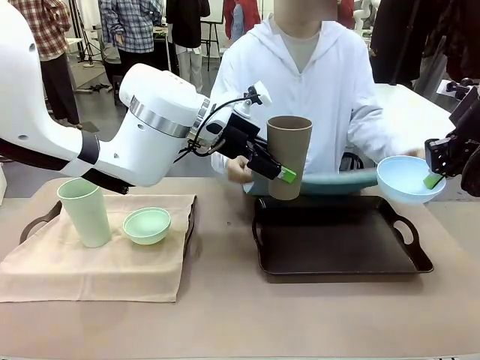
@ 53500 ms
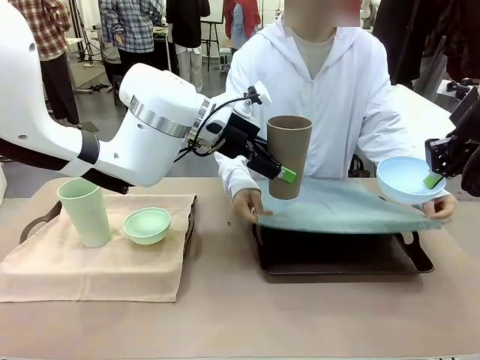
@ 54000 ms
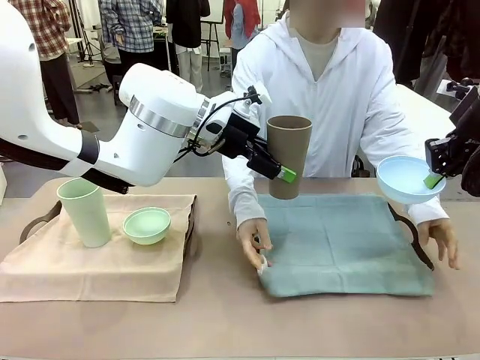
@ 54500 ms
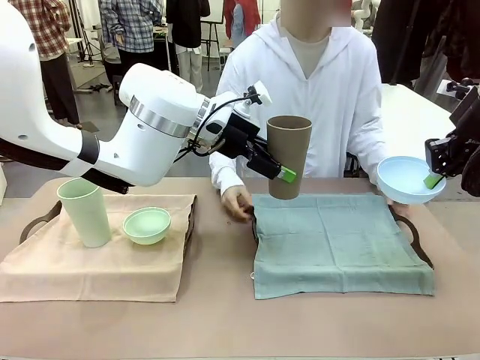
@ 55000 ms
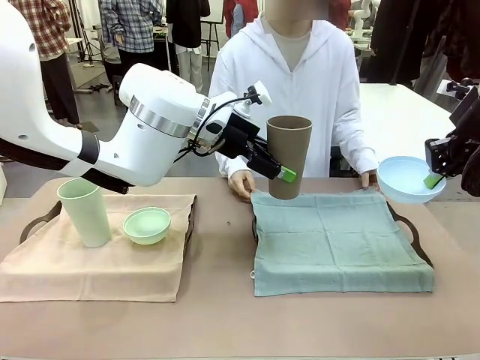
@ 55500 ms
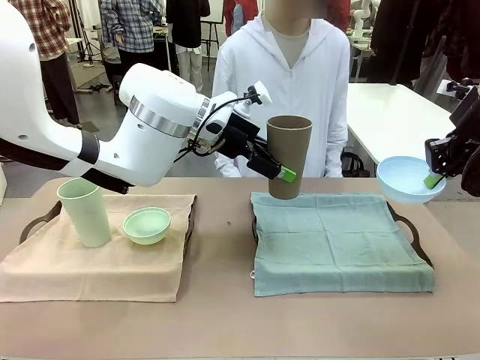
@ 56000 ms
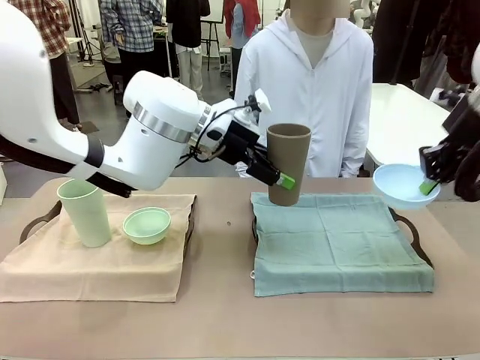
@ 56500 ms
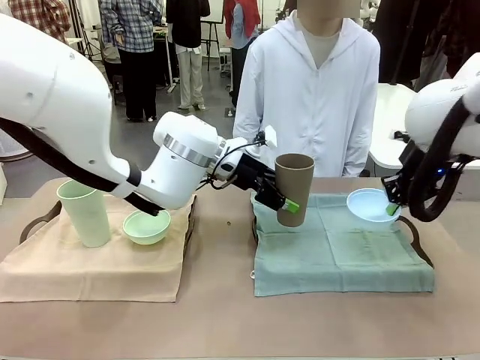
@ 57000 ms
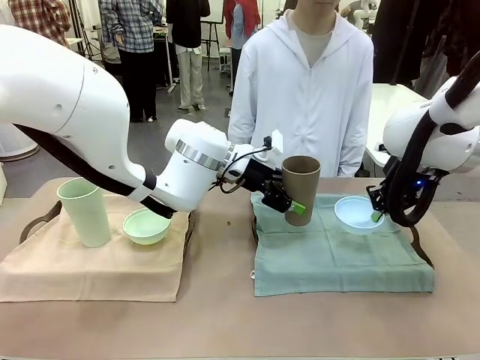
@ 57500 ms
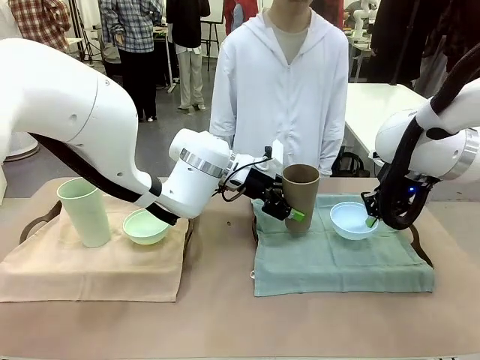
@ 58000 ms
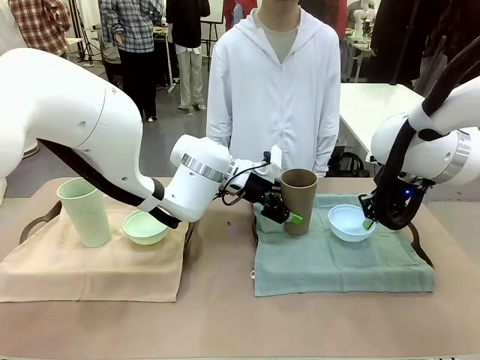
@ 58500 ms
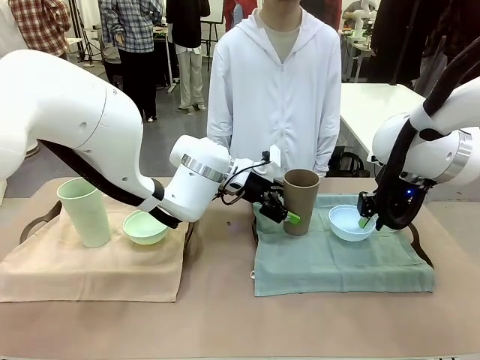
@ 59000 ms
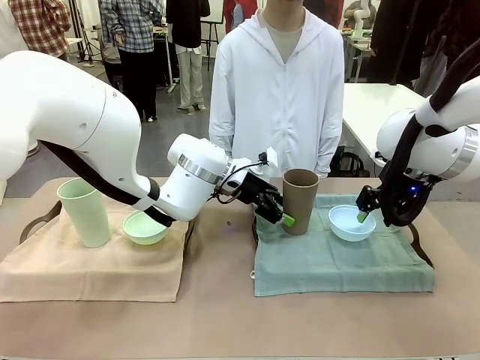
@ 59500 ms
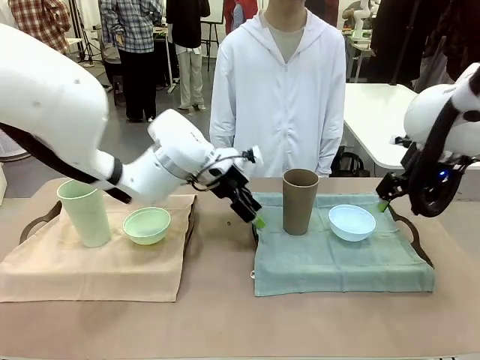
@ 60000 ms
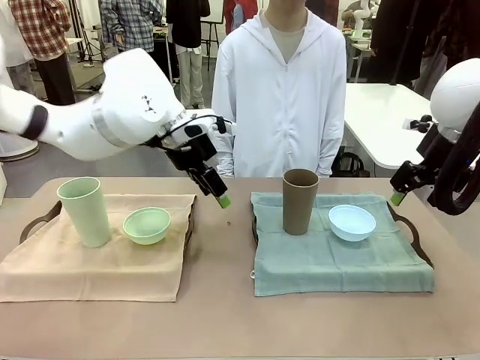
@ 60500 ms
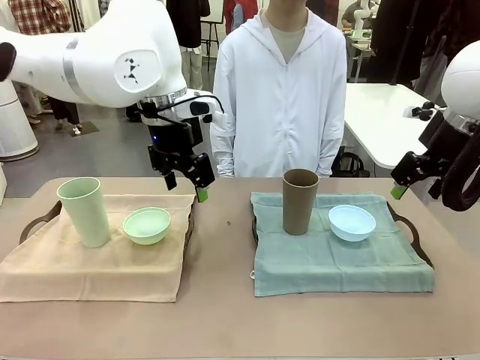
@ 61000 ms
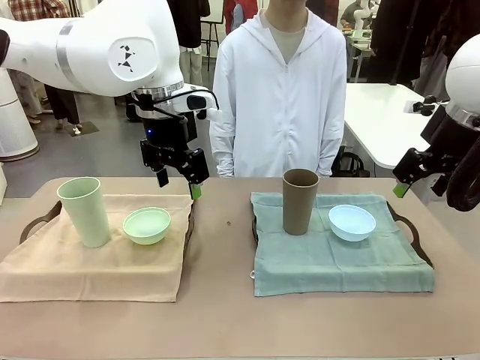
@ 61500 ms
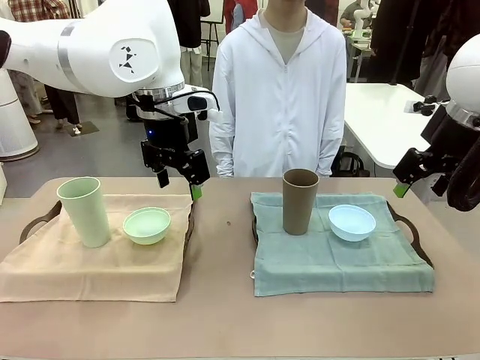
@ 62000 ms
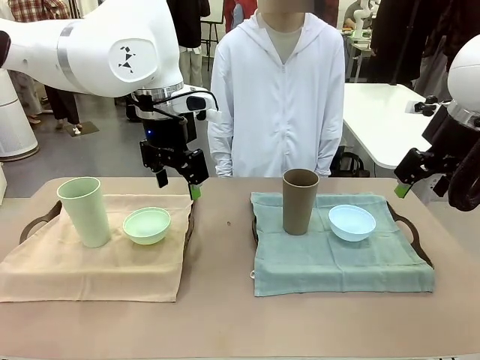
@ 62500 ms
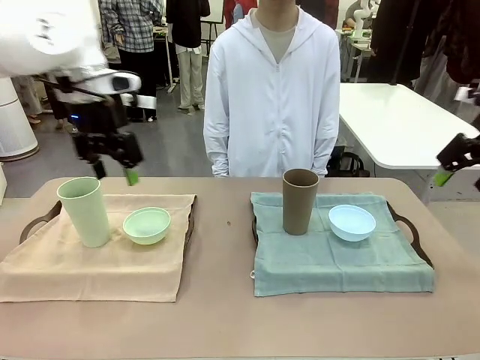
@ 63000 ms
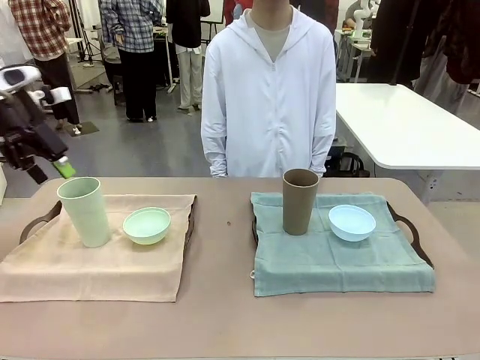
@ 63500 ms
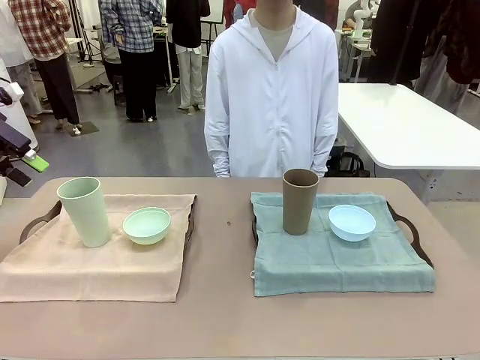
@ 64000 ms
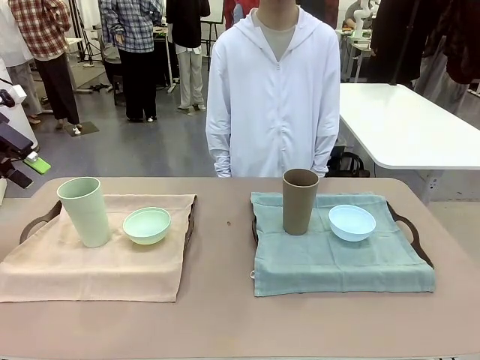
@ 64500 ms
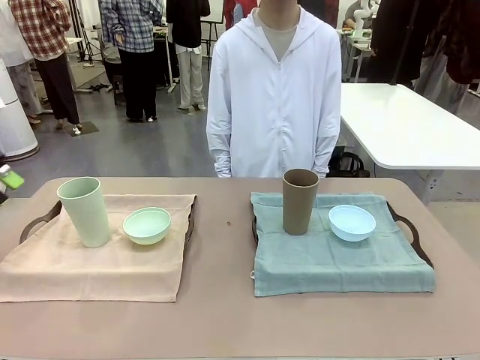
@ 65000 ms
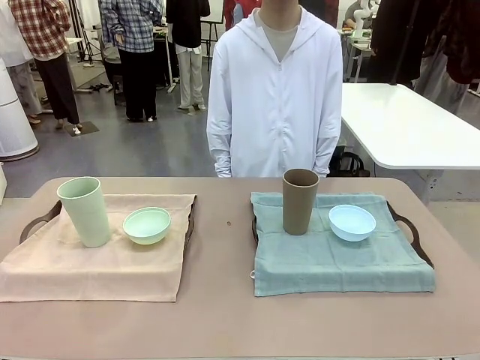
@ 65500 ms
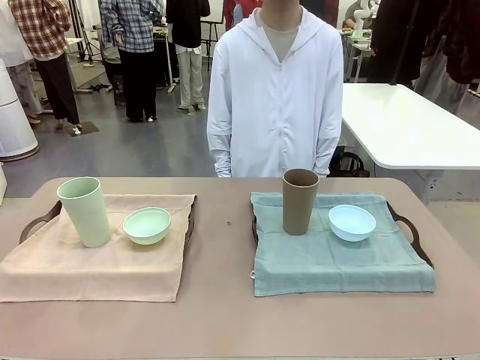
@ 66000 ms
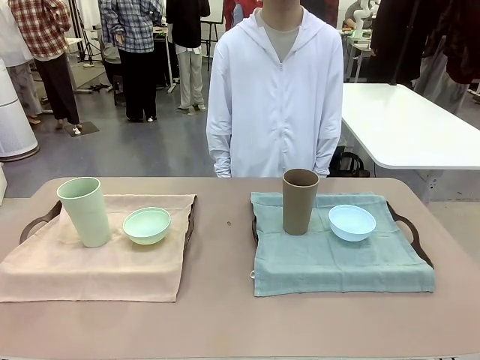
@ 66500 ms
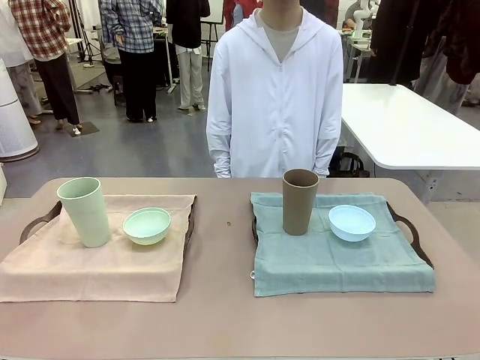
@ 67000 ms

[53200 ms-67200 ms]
Robot: Place the Picnic Bowl and Reusable plastic cup back onto the Handle tray in front of the human's position.
Person: When the robot lifts the bowl and the cup, the human unfolds the napkin and lays the napkin flat on the tray.

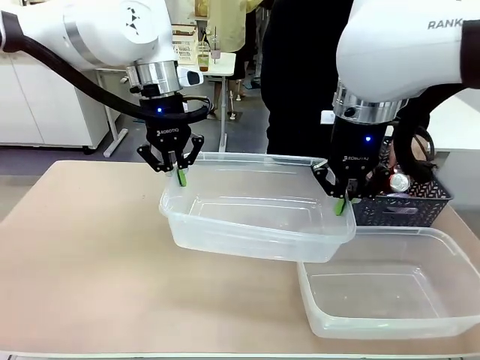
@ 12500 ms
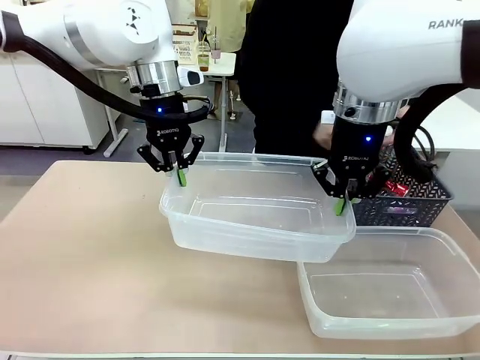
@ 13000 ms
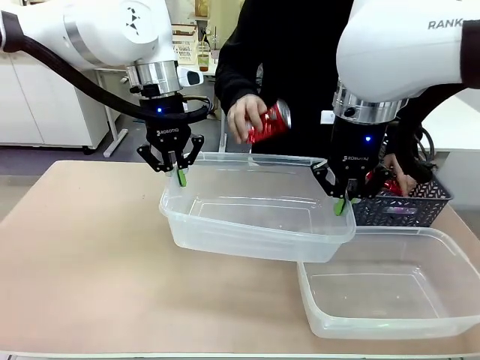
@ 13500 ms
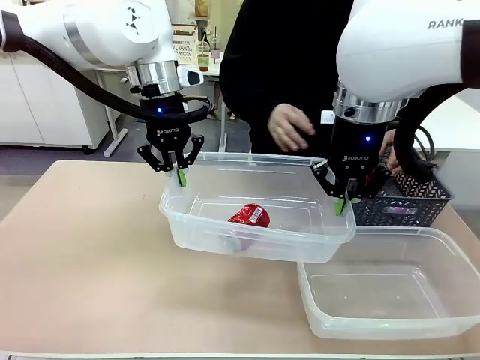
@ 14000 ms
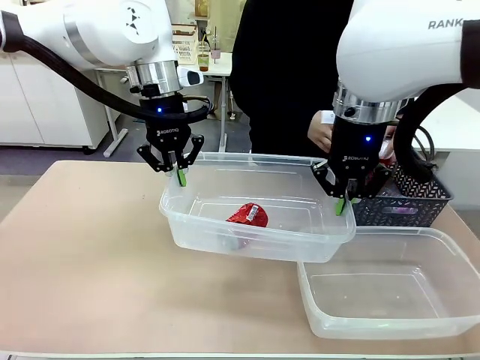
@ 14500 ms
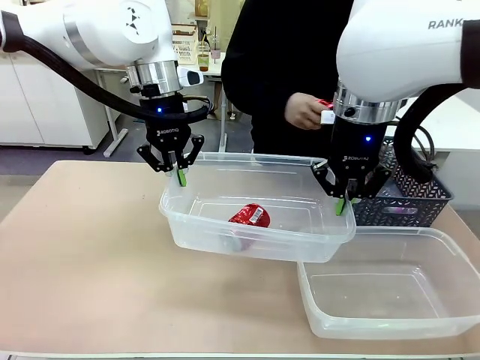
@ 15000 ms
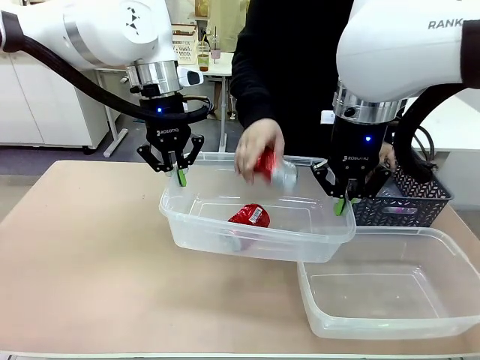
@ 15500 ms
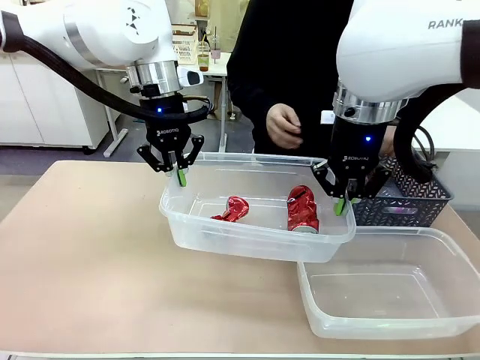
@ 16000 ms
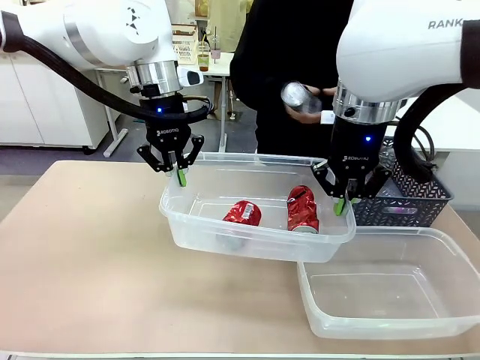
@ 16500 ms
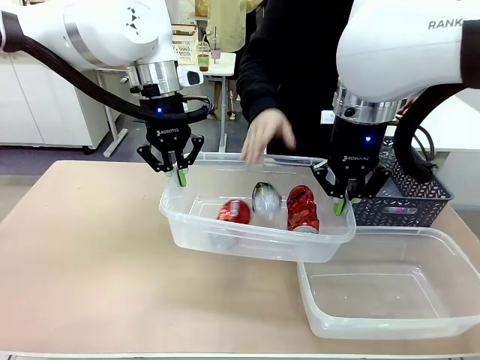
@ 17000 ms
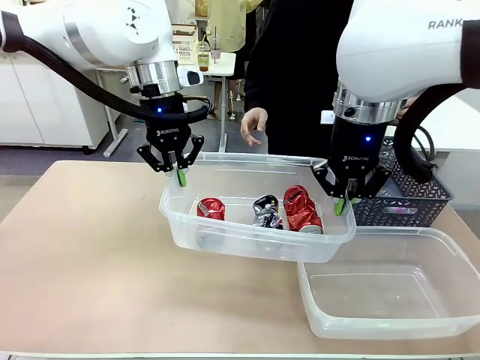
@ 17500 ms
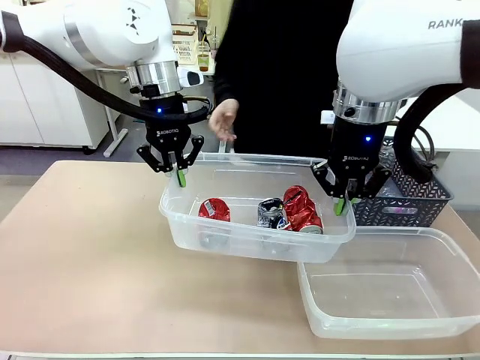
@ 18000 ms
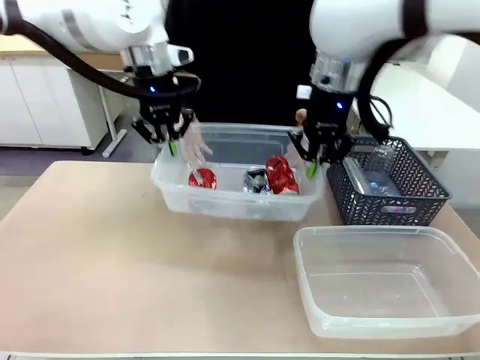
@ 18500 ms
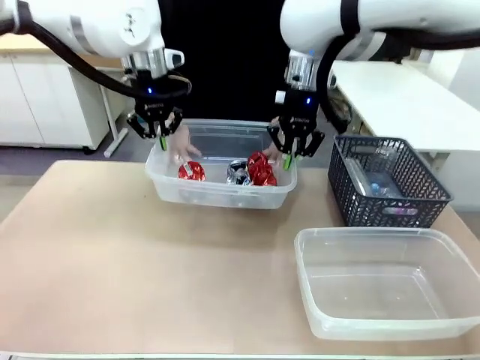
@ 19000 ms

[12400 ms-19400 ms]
Robot: Offer the picked Organizing box to the human.

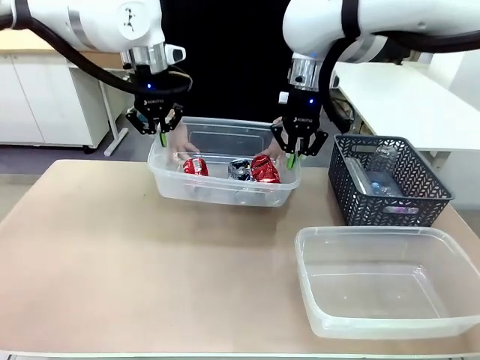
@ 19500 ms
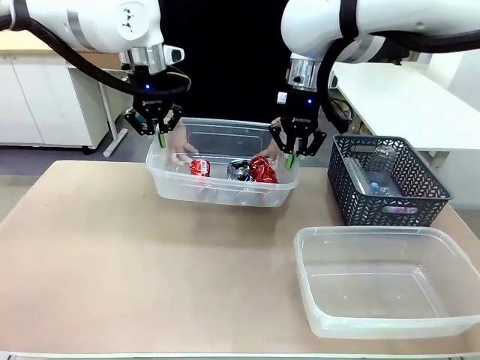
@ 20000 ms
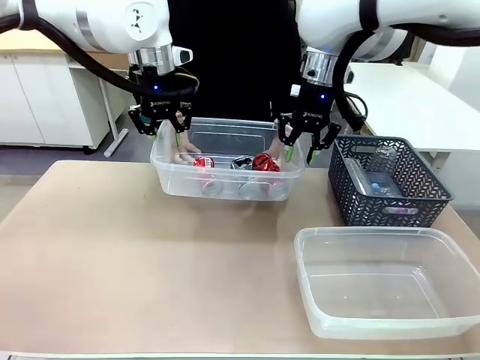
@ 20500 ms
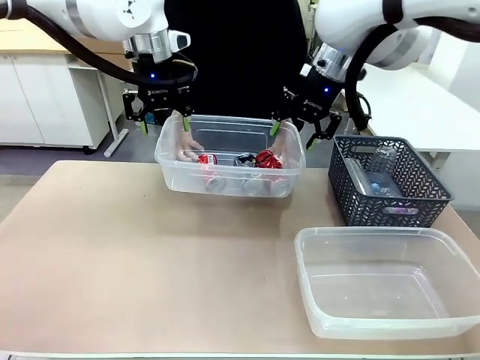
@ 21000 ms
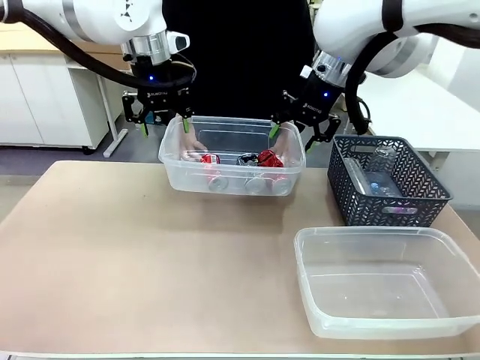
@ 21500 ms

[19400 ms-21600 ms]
Robot: Release the Organizing box you were holding.

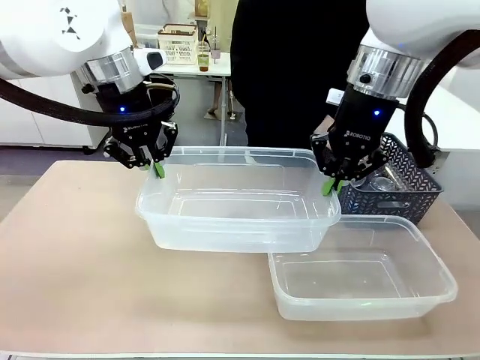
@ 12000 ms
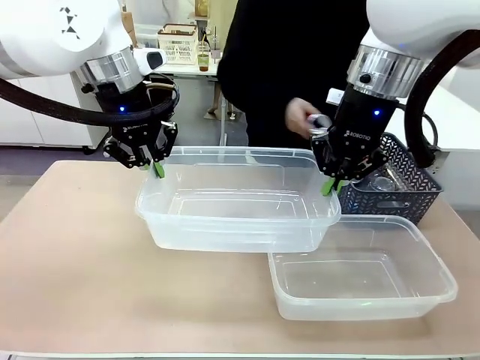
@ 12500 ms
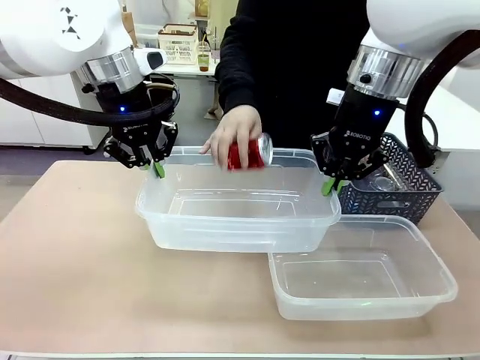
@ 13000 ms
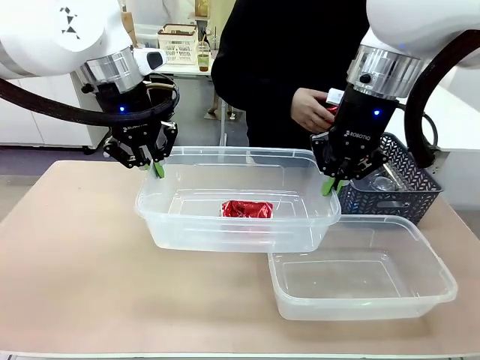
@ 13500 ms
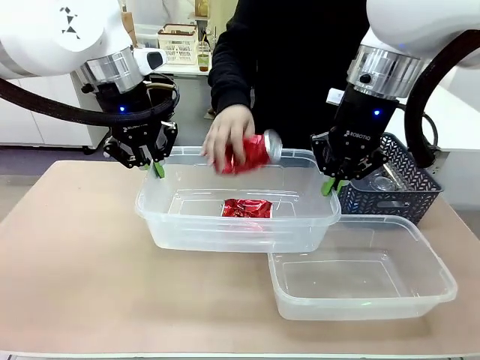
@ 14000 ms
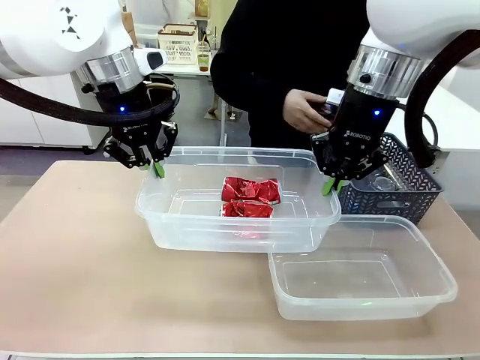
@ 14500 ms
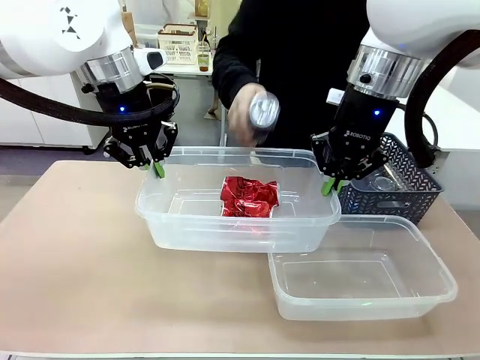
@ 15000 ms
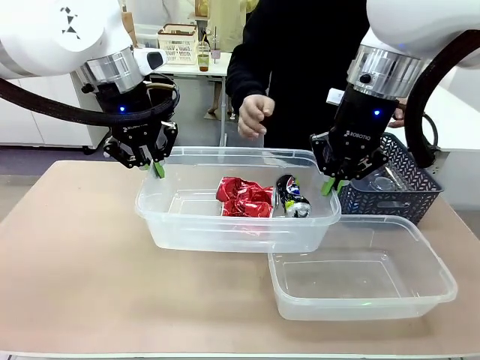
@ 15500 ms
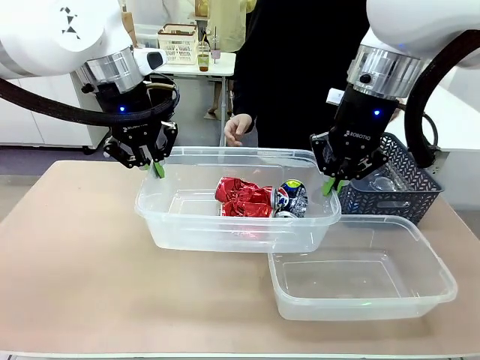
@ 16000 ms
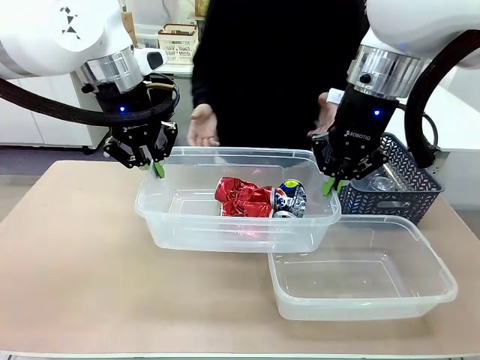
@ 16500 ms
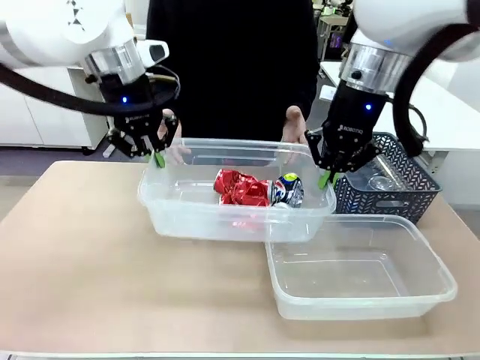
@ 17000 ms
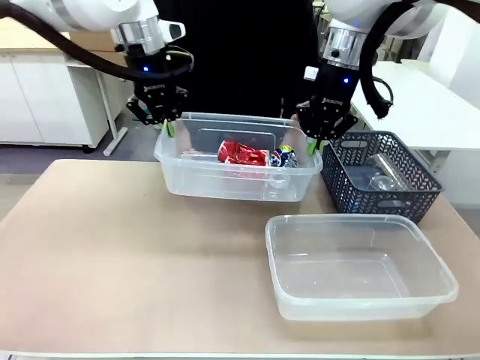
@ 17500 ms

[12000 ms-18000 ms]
Robot: Offer the picked Organizing box to the human.
